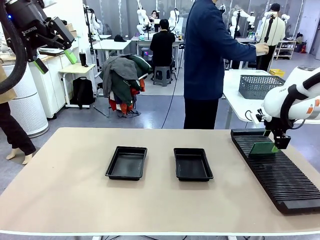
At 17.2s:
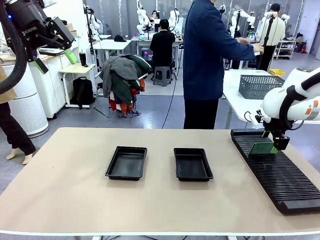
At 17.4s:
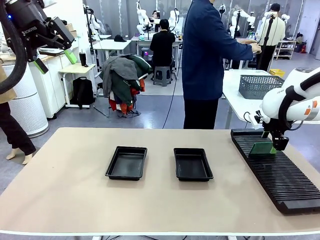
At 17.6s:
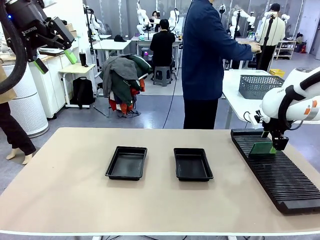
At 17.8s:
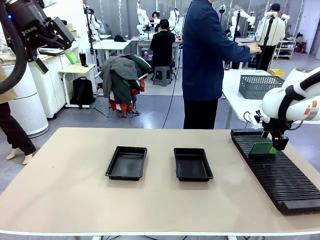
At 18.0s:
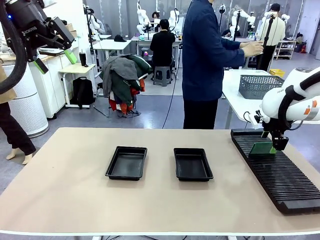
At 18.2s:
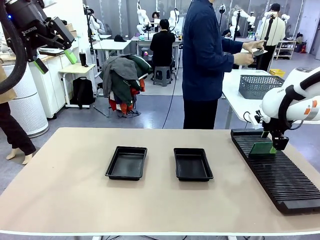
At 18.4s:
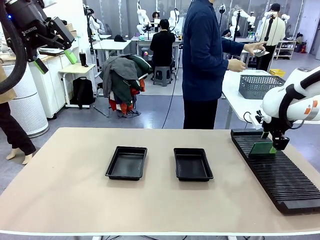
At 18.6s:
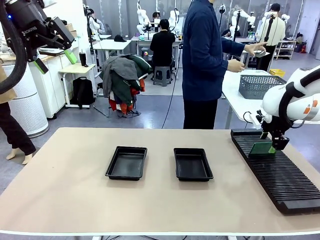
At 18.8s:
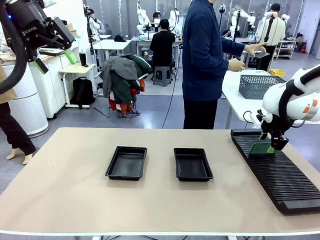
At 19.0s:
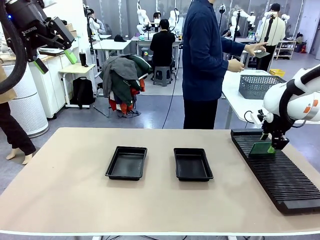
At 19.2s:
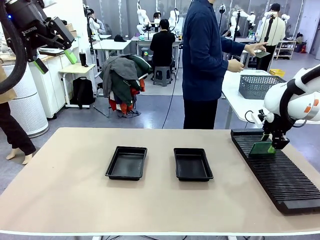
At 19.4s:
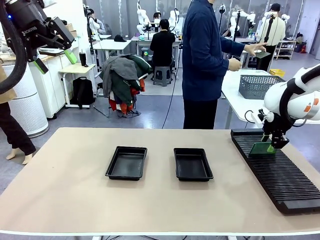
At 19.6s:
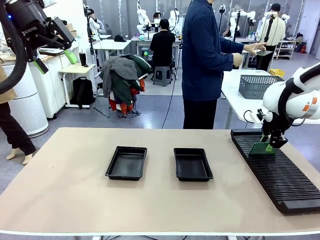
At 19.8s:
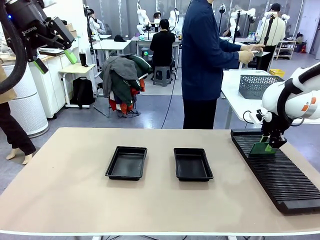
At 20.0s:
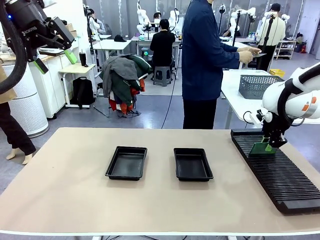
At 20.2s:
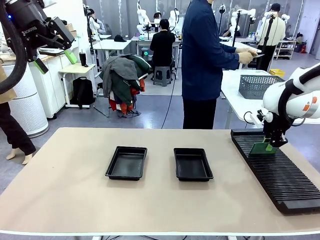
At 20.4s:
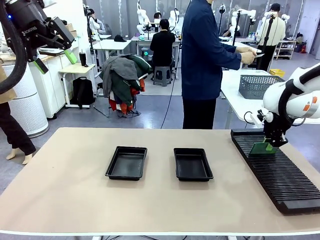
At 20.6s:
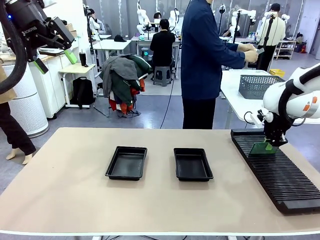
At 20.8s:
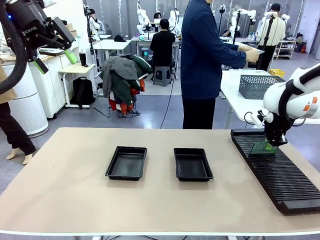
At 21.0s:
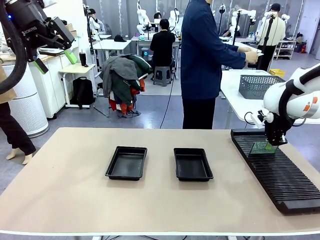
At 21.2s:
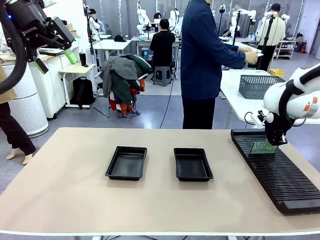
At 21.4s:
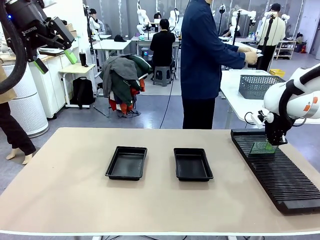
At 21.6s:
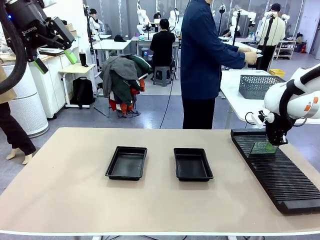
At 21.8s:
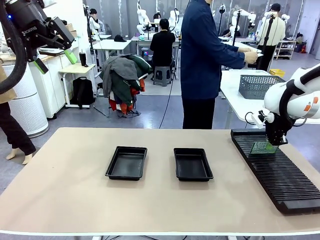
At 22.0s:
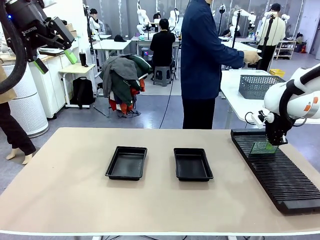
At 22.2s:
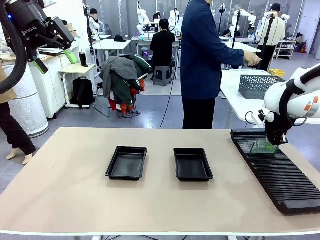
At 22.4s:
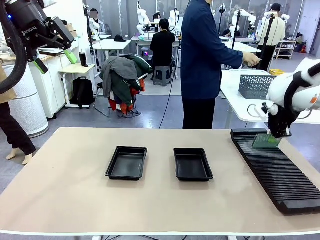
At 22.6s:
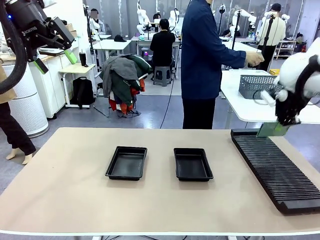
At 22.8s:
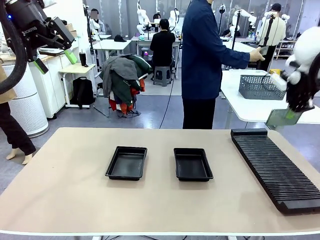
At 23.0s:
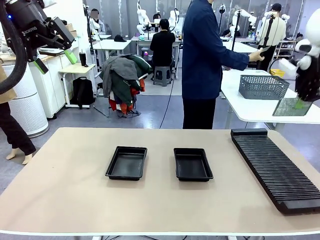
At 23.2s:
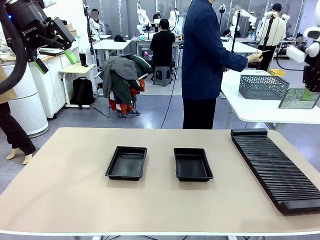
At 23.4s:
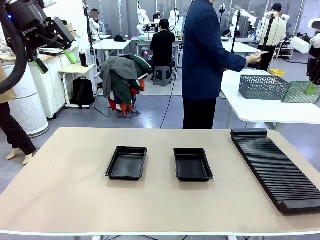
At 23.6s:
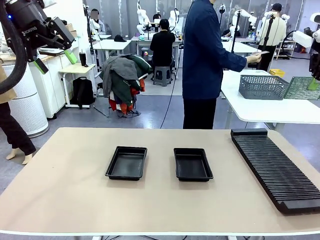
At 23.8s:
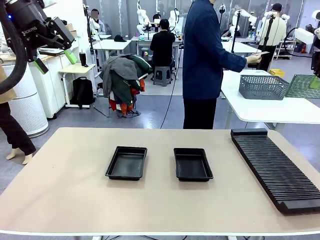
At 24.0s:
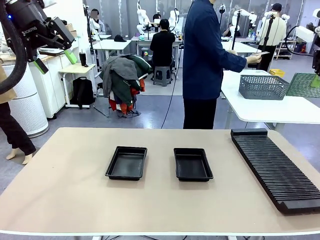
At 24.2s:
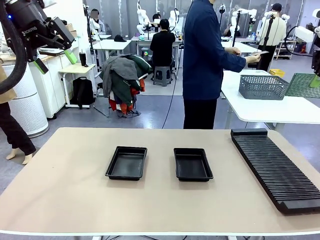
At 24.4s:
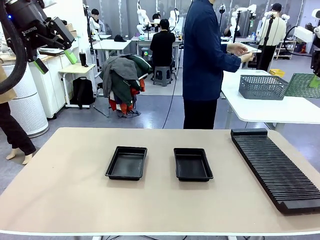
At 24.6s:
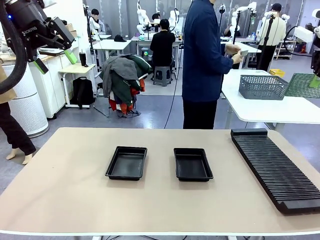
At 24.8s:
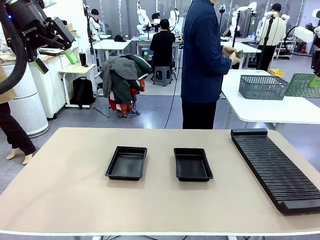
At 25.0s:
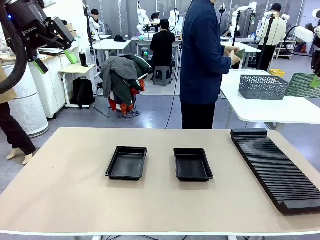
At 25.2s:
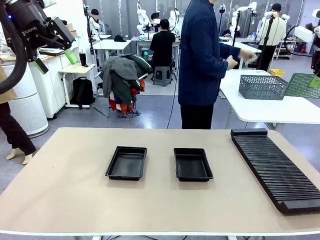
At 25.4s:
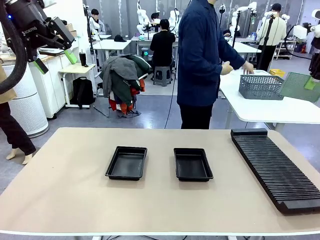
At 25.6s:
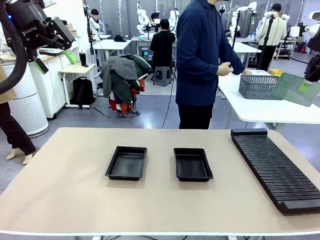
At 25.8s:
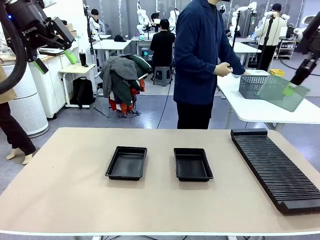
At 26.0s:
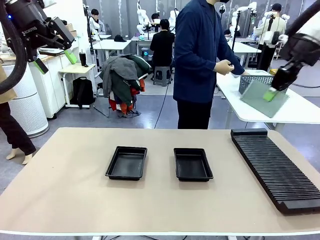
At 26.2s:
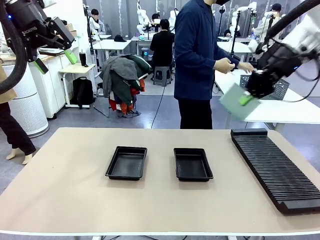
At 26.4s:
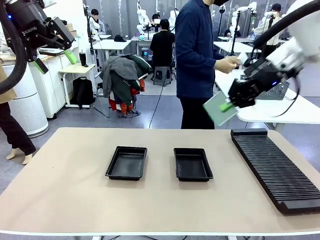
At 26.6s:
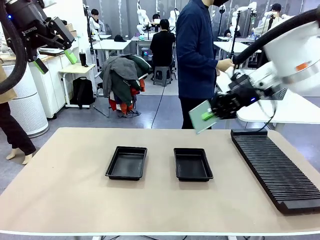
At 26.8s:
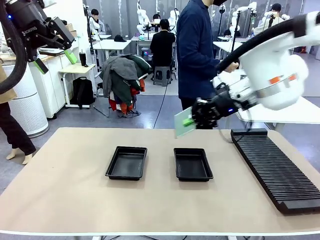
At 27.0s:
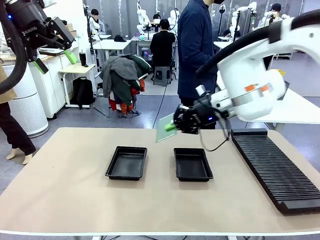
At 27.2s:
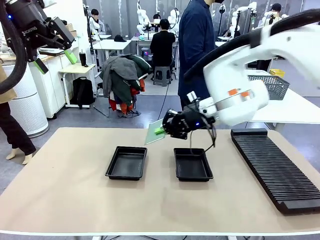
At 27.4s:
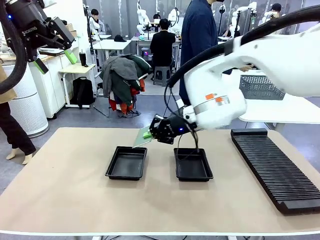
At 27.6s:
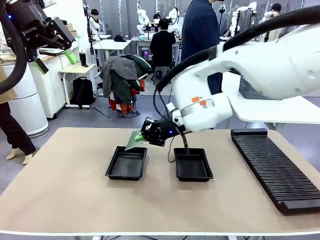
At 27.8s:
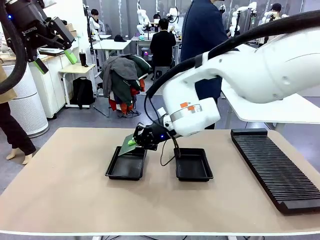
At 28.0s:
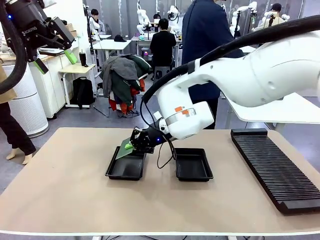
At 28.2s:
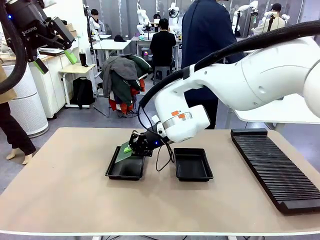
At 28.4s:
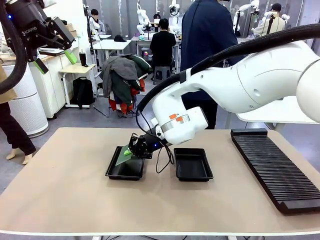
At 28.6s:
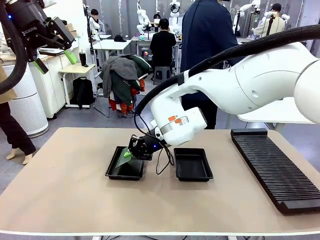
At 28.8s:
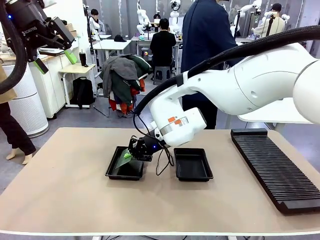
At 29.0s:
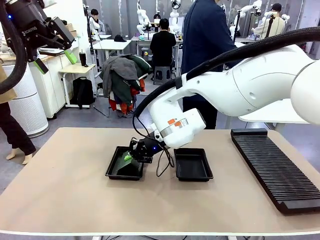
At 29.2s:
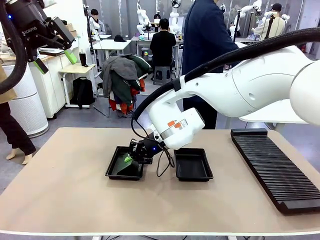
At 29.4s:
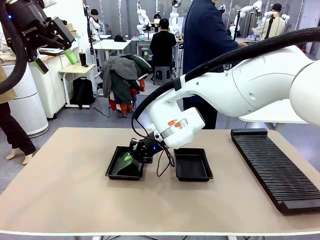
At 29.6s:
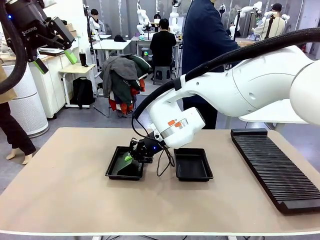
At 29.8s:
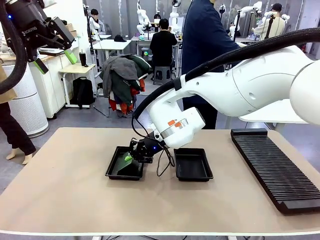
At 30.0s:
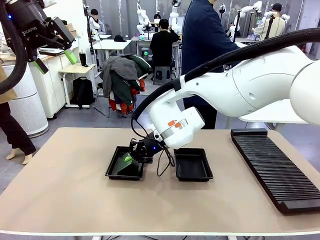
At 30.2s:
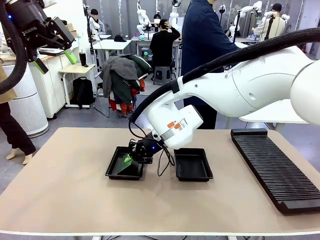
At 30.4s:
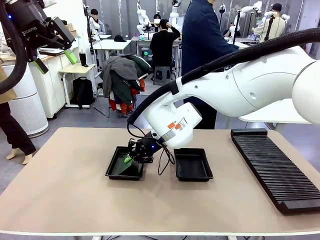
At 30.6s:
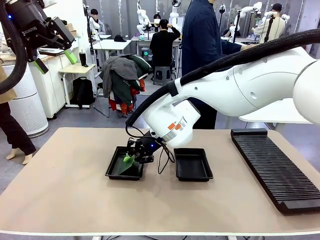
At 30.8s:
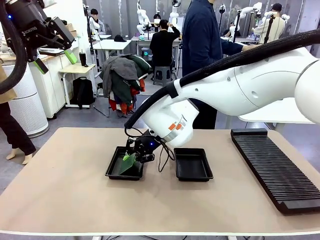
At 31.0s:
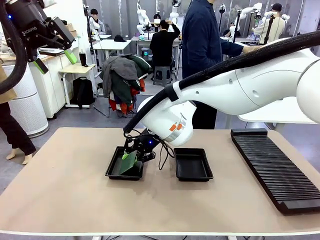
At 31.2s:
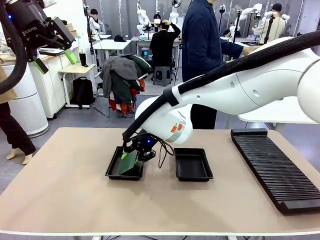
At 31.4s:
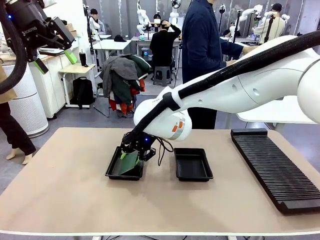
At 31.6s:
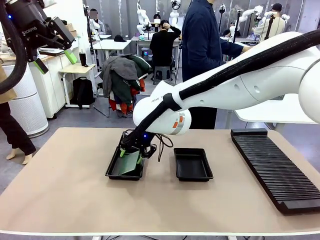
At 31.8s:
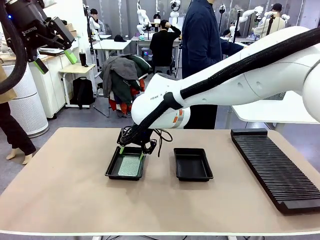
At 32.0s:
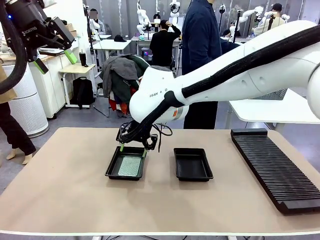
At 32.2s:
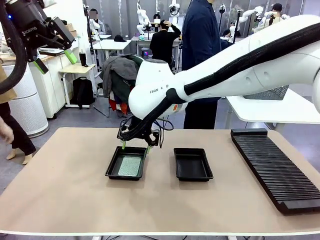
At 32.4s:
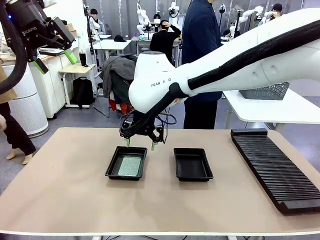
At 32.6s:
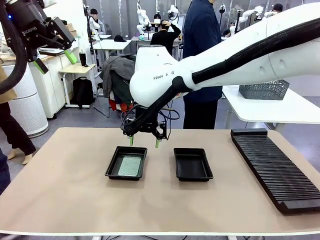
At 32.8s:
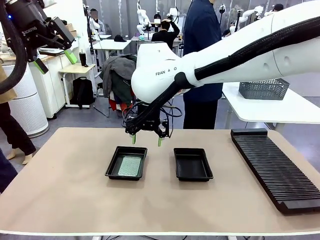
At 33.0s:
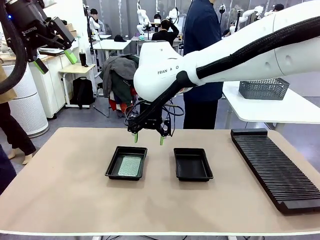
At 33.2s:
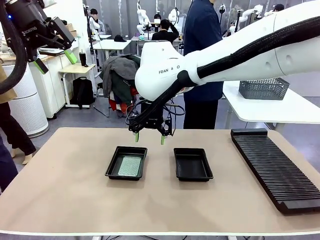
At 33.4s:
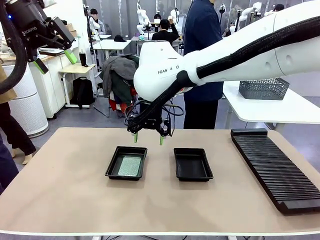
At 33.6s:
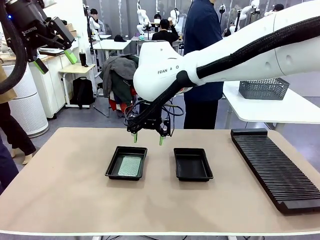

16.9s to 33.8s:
Task: Inspect and transfer BCBs to ESD trays.
Robot: Pick up the Blank PCB from the PCB Rack and place it in the left ESD tray.
